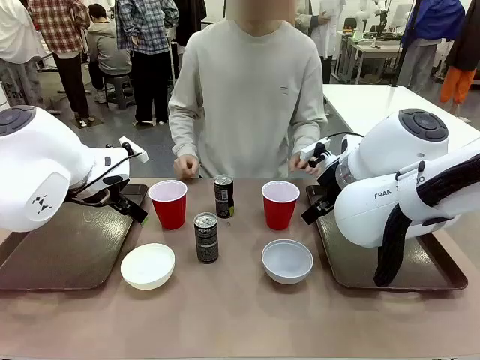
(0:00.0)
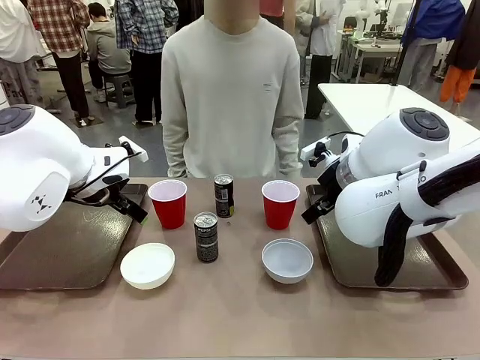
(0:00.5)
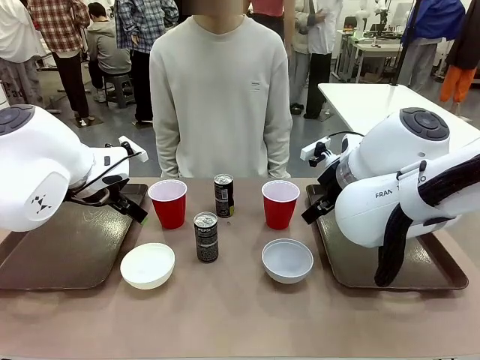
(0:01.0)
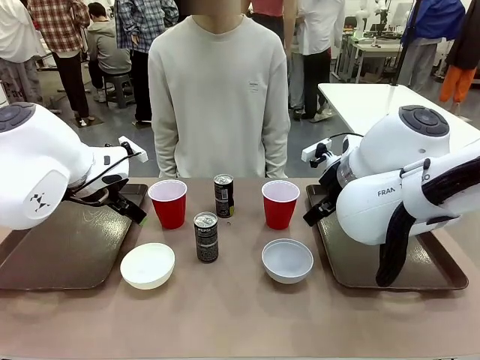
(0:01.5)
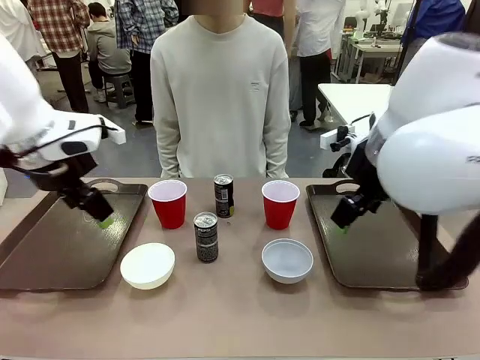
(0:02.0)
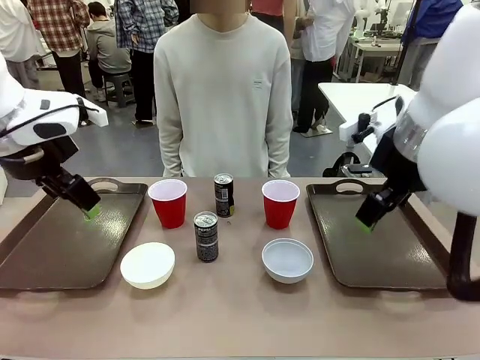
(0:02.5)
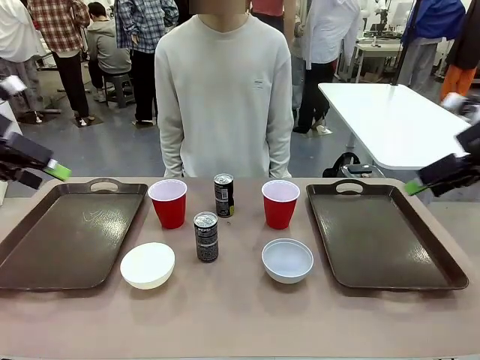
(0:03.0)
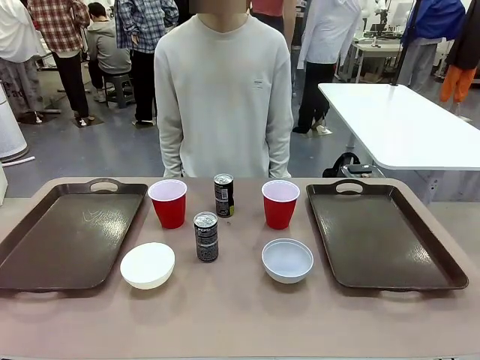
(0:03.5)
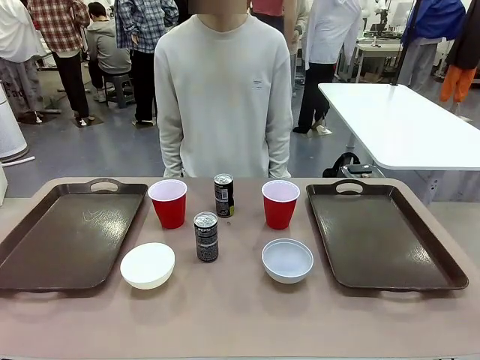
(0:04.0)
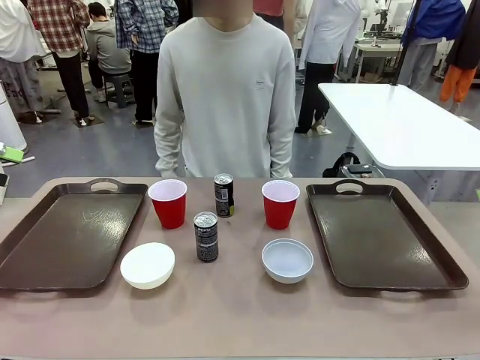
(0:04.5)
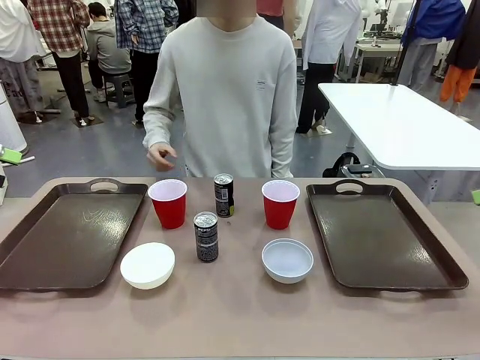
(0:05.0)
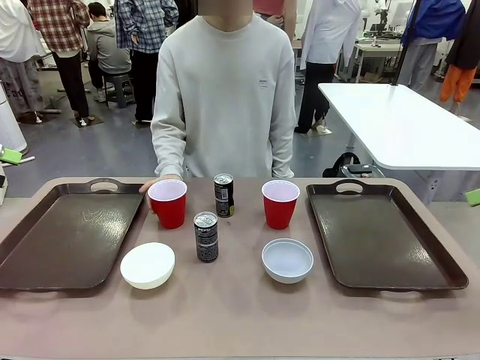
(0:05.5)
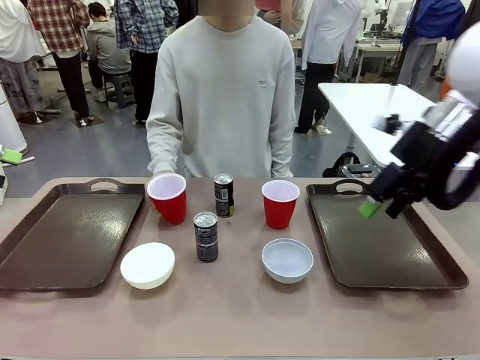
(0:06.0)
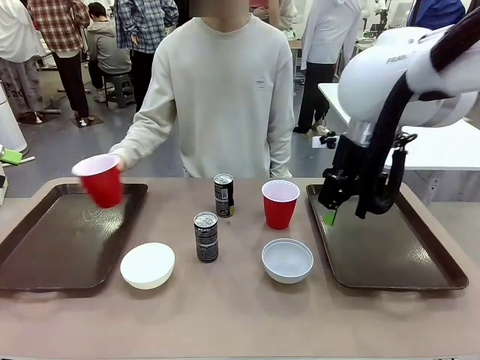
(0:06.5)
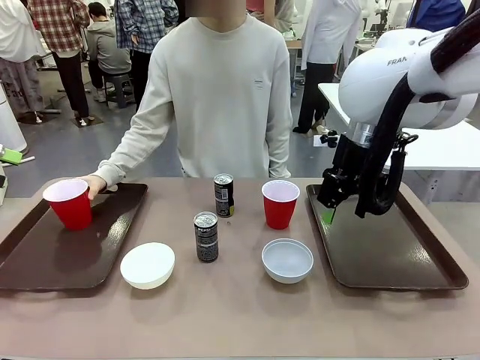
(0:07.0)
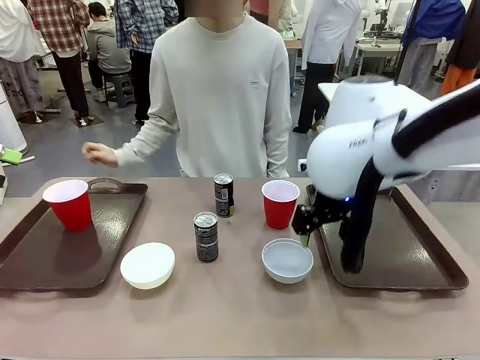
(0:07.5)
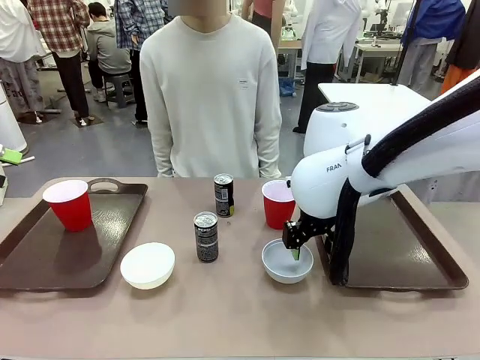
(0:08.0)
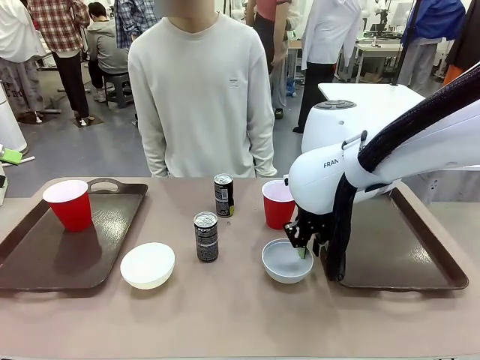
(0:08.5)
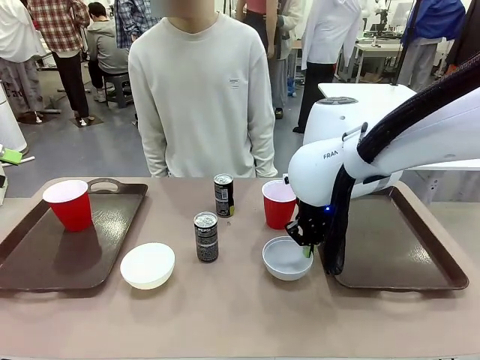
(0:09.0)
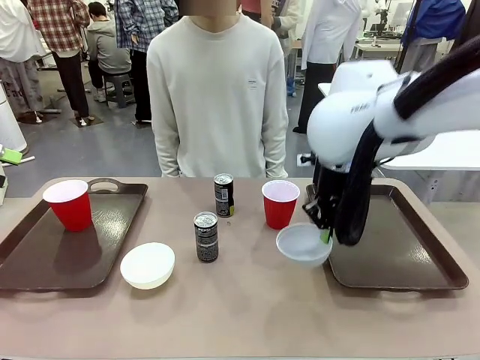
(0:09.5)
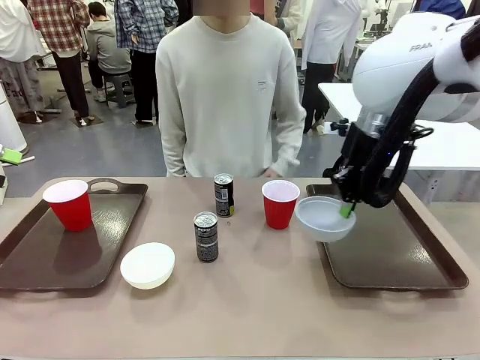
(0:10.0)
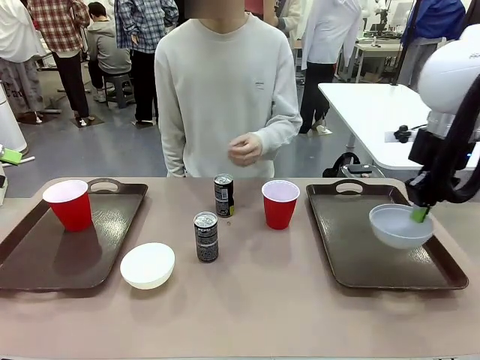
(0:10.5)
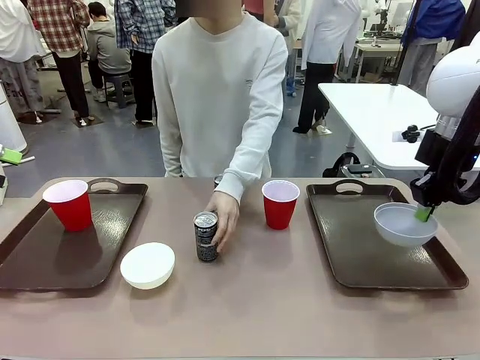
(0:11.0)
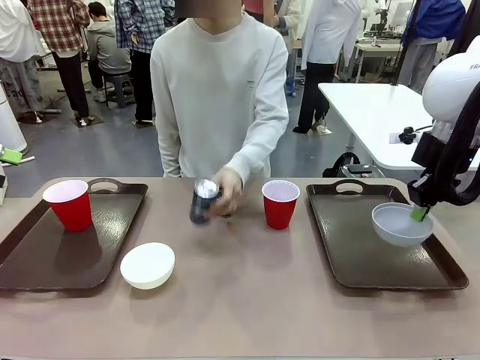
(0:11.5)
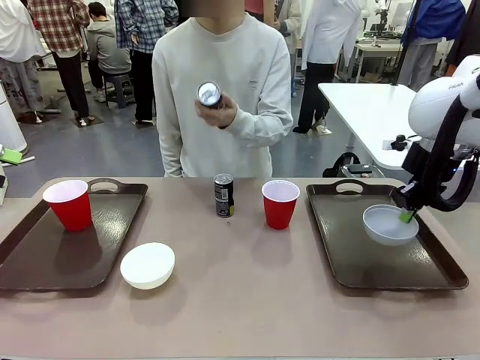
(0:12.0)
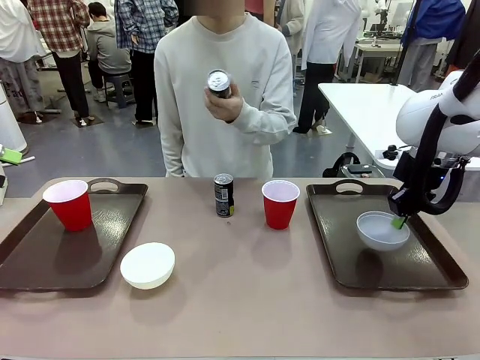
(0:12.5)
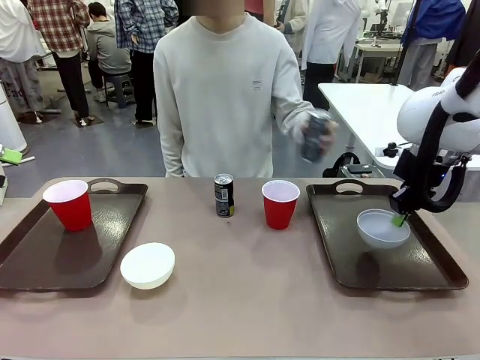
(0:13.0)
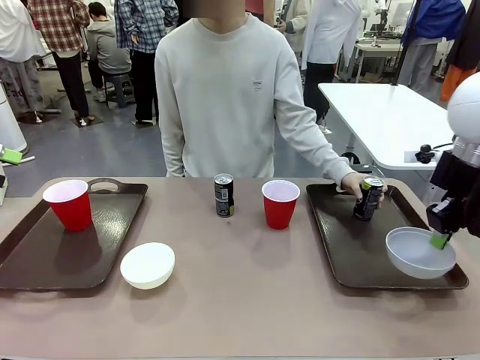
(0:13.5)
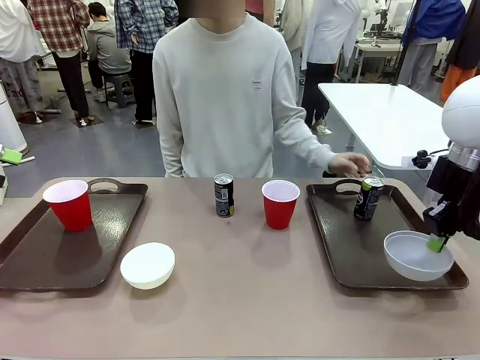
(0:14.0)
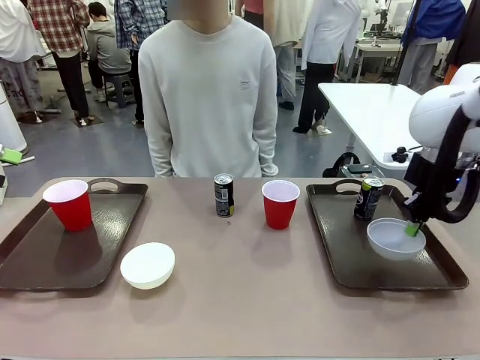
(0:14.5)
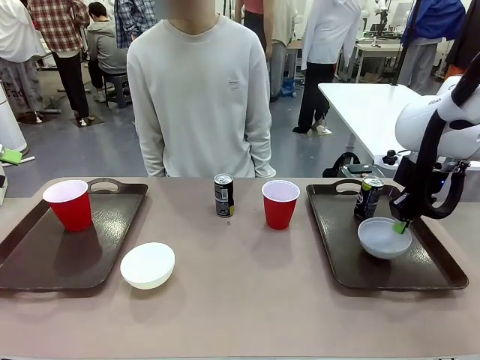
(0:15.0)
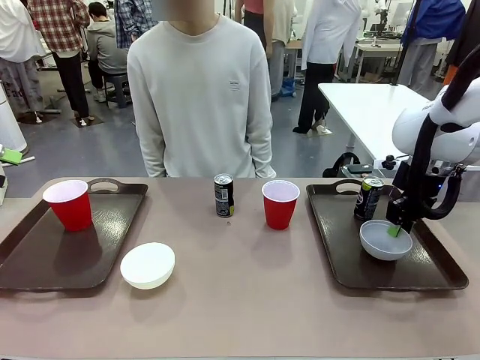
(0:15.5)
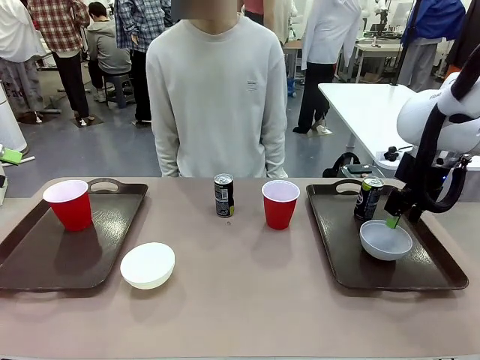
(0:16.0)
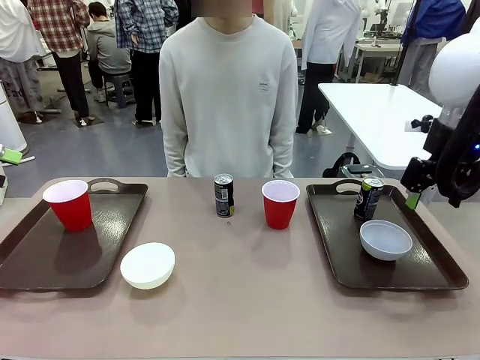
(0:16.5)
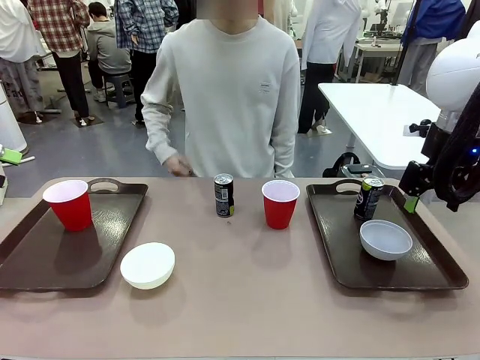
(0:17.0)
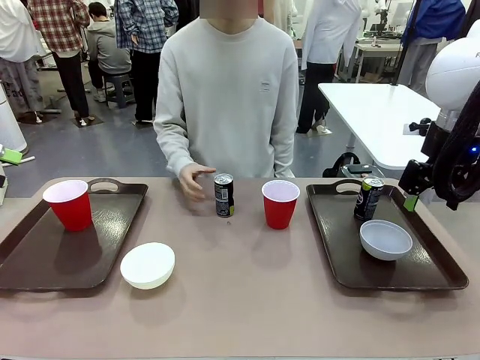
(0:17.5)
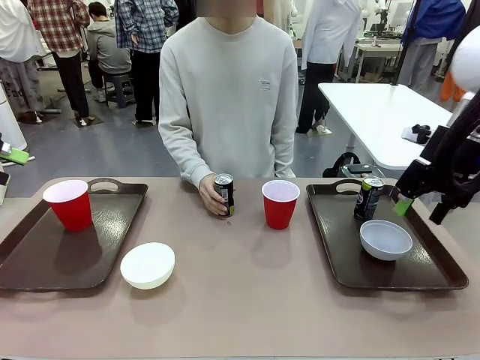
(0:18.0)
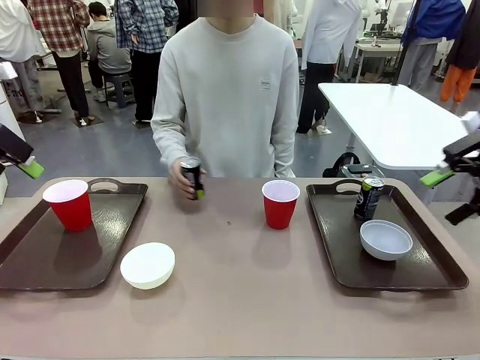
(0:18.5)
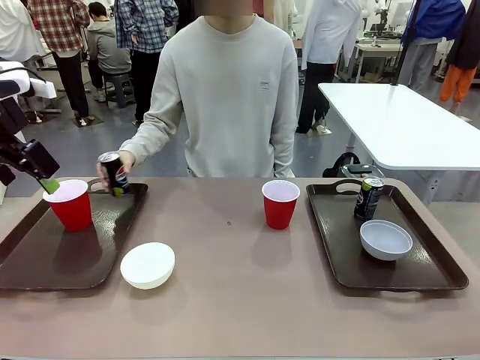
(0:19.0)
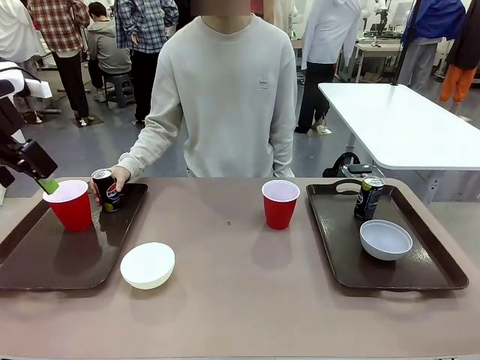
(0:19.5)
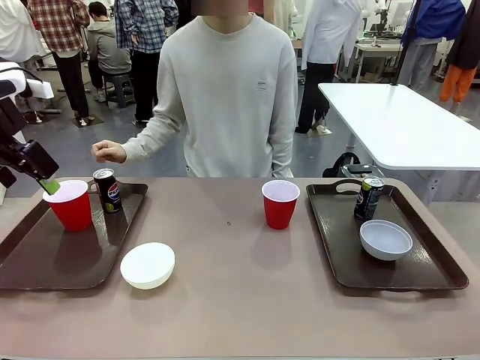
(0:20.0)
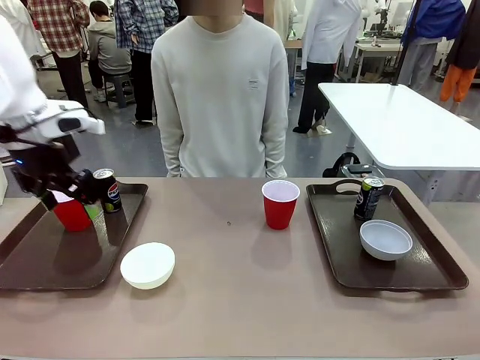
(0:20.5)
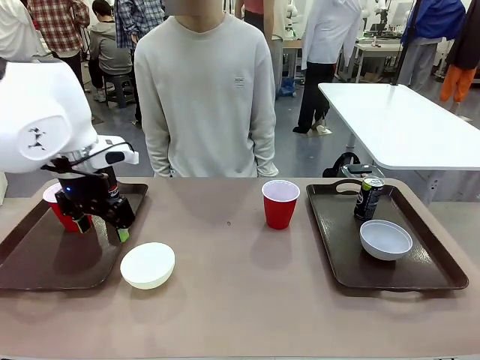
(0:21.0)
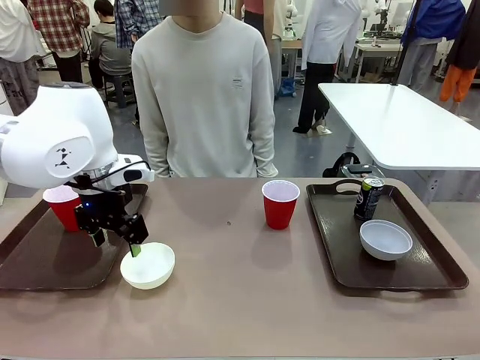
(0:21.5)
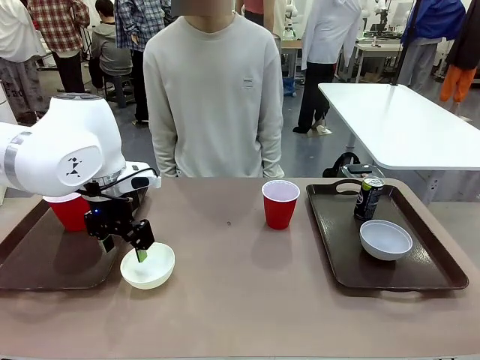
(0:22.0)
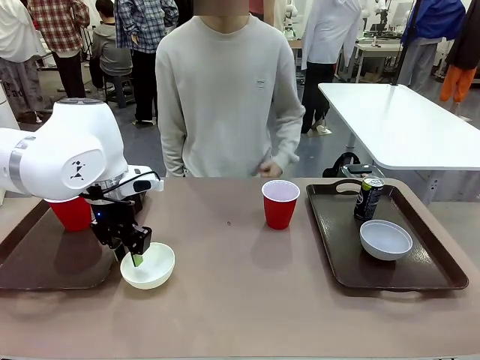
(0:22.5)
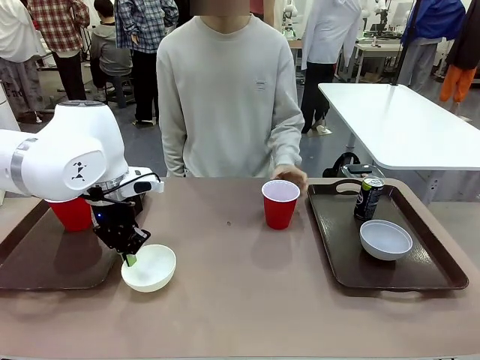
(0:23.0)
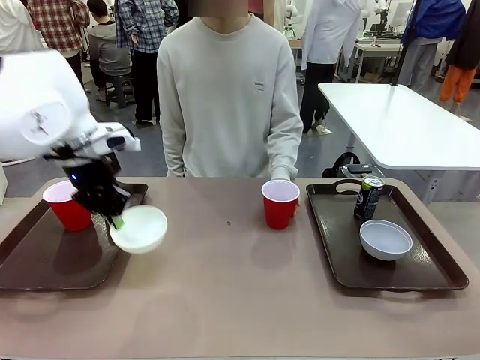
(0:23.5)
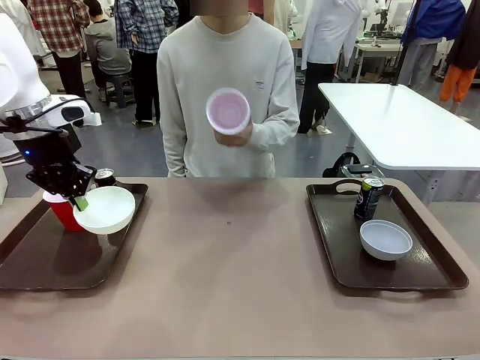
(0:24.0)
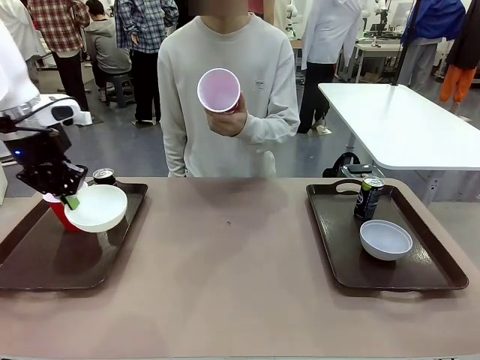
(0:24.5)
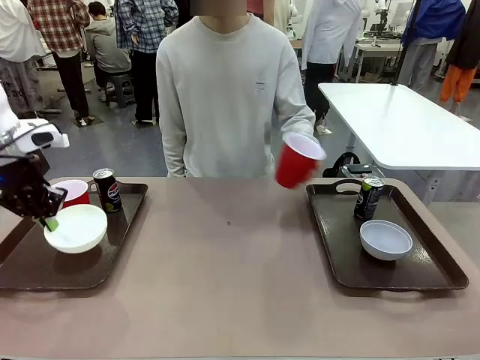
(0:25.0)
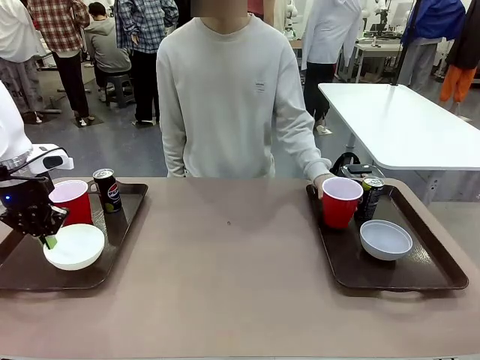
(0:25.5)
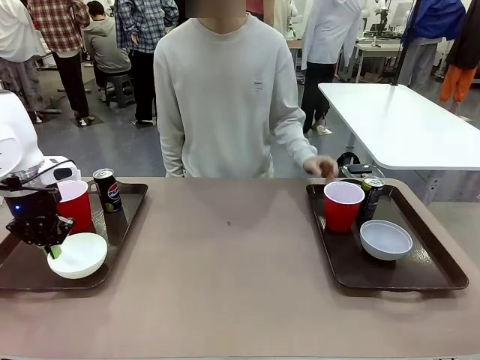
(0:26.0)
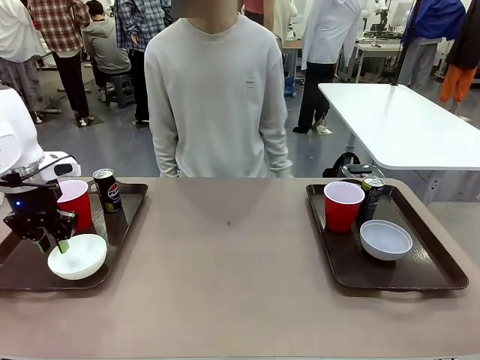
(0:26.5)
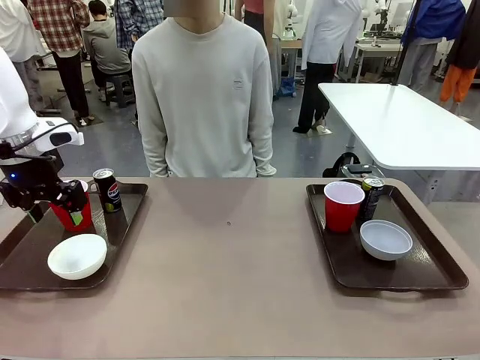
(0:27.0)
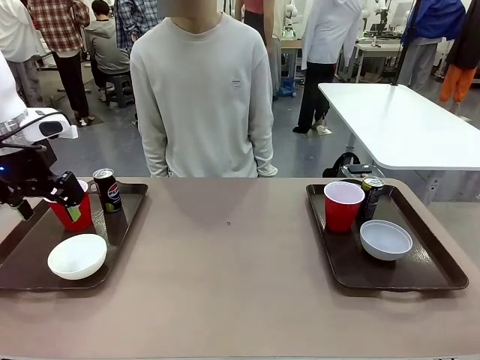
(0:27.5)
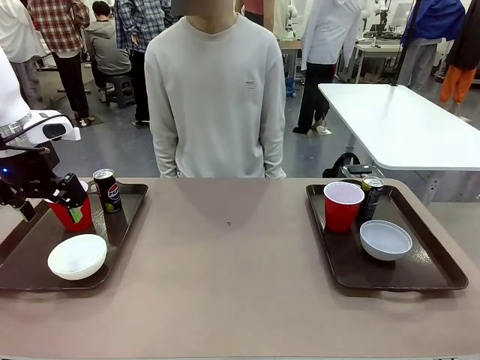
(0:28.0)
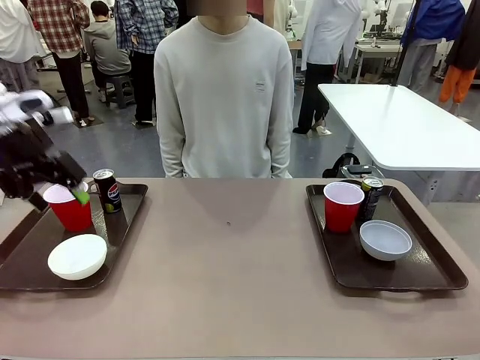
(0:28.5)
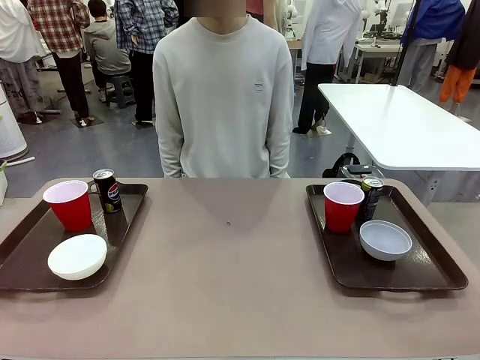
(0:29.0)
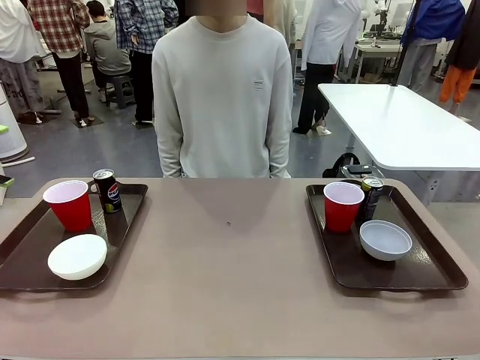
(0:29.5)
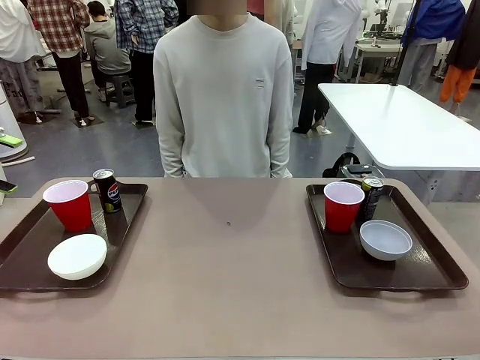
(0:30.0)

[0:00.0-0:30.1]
Task: Prepare tableware on both trays.
Robot: Pick up a Picnic Bowl from the table and place it on a Handle tray.
Person: Pick up a can or cup and place it on the tray. Pick up a can or cup and place it on the tray without a can or cup.
